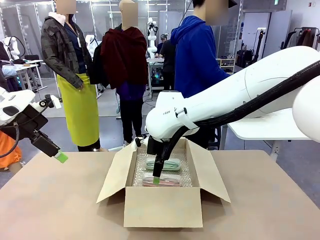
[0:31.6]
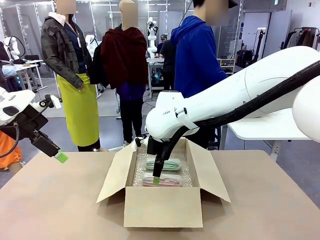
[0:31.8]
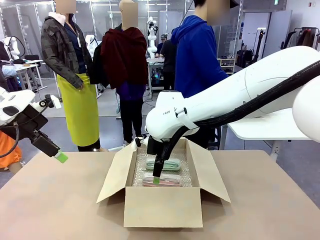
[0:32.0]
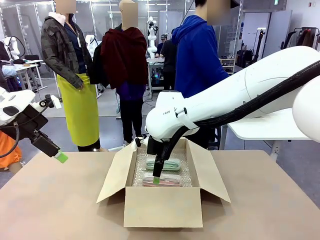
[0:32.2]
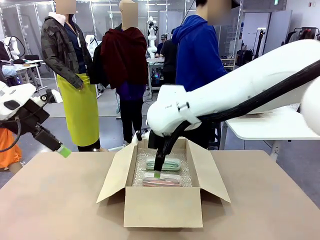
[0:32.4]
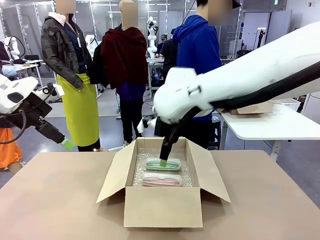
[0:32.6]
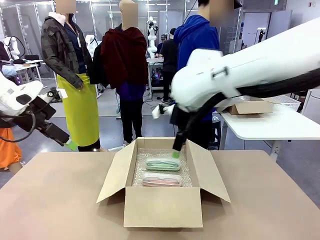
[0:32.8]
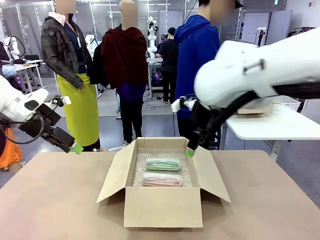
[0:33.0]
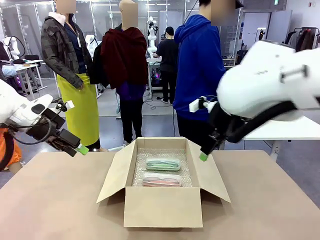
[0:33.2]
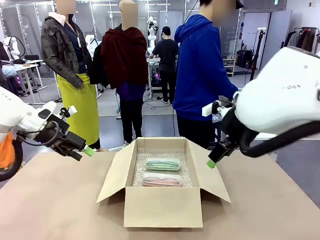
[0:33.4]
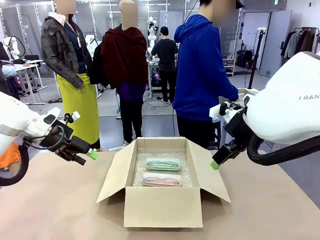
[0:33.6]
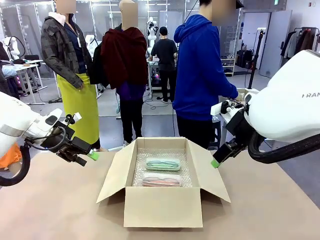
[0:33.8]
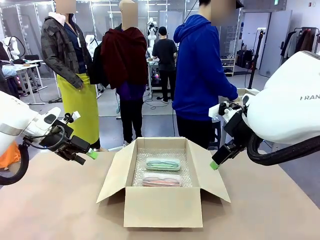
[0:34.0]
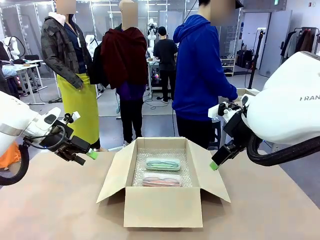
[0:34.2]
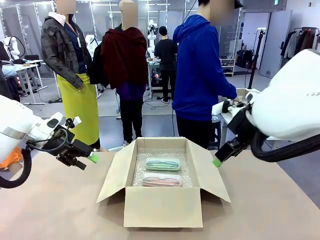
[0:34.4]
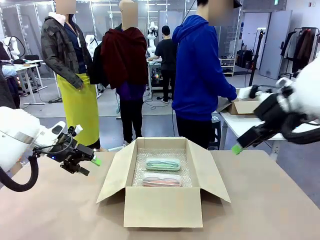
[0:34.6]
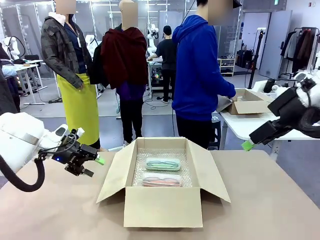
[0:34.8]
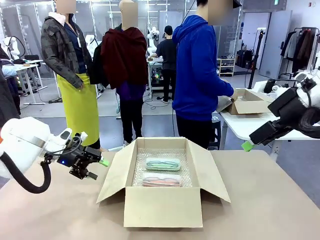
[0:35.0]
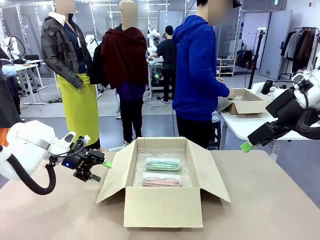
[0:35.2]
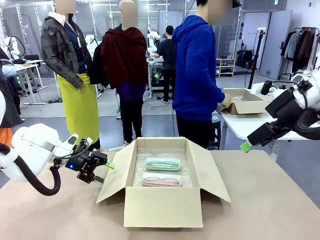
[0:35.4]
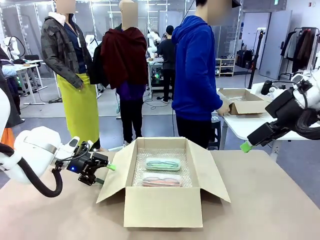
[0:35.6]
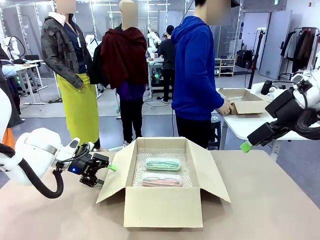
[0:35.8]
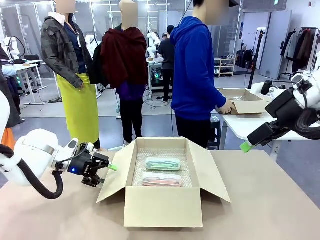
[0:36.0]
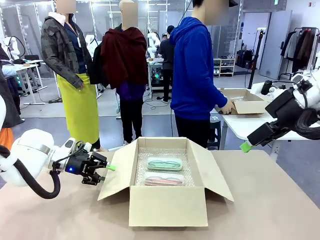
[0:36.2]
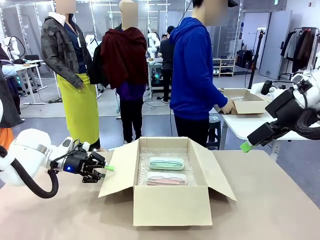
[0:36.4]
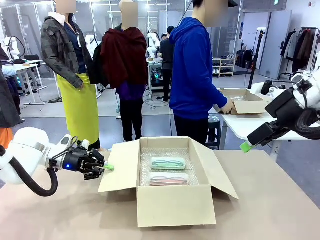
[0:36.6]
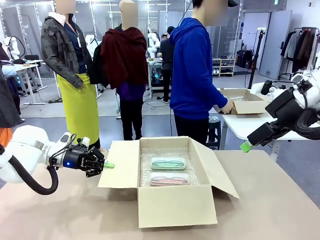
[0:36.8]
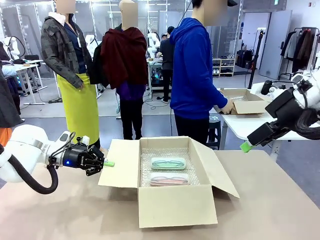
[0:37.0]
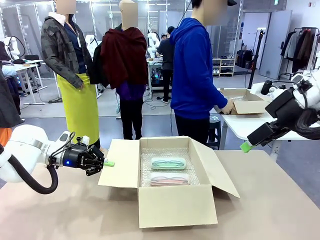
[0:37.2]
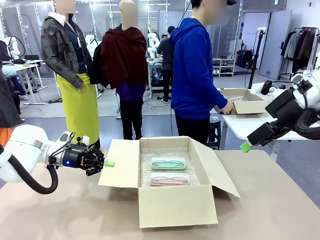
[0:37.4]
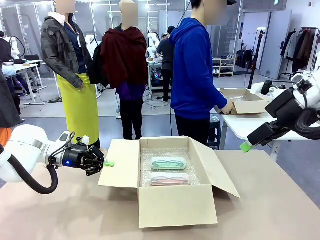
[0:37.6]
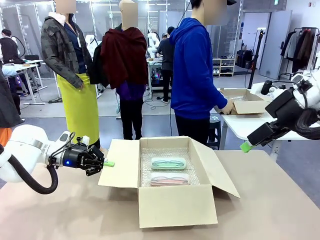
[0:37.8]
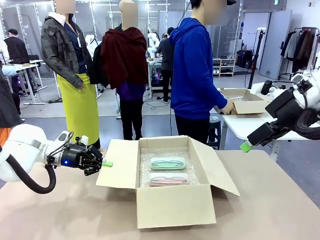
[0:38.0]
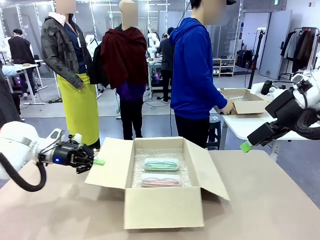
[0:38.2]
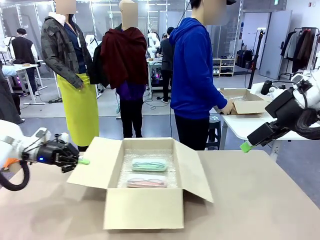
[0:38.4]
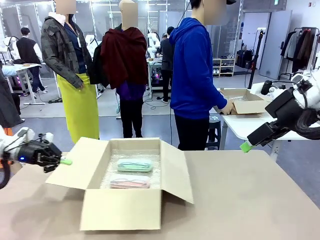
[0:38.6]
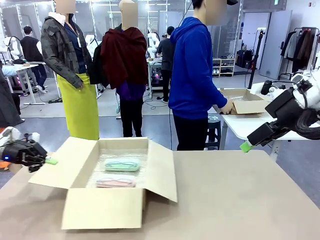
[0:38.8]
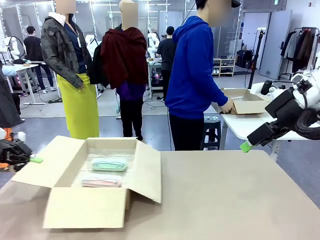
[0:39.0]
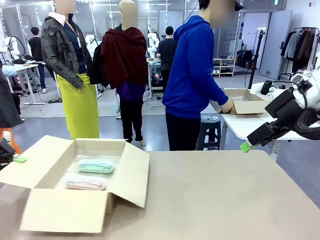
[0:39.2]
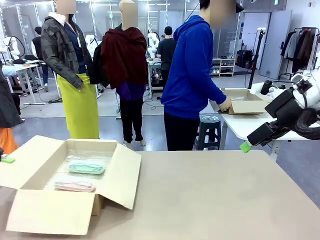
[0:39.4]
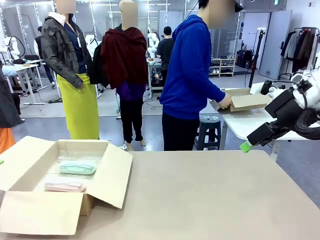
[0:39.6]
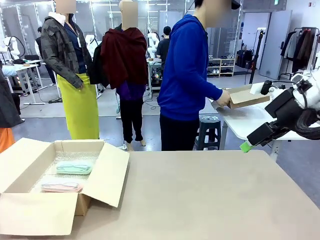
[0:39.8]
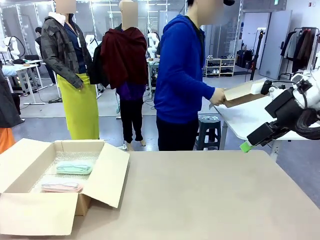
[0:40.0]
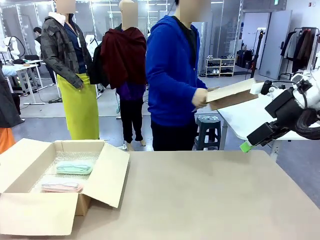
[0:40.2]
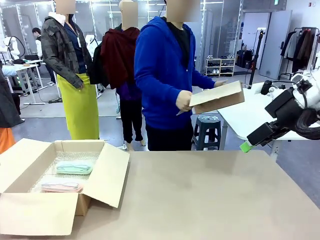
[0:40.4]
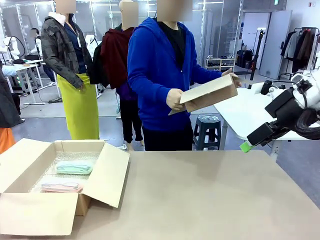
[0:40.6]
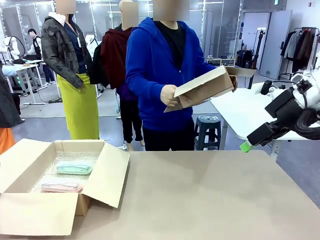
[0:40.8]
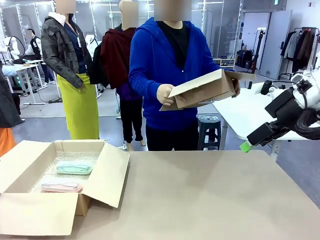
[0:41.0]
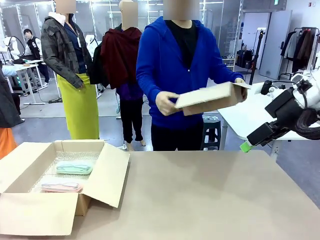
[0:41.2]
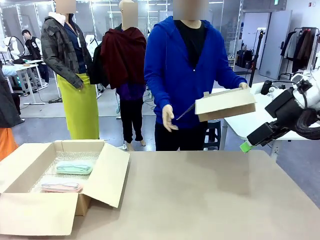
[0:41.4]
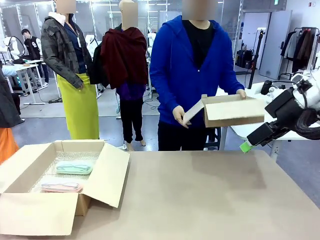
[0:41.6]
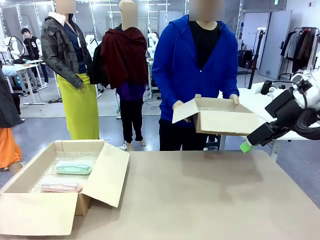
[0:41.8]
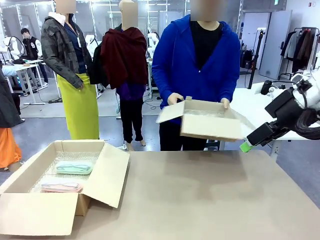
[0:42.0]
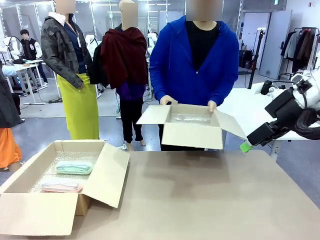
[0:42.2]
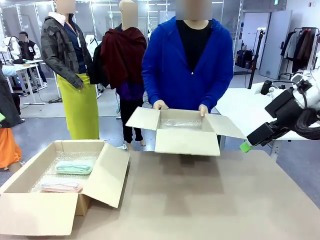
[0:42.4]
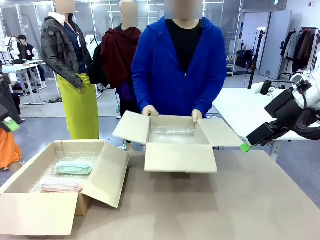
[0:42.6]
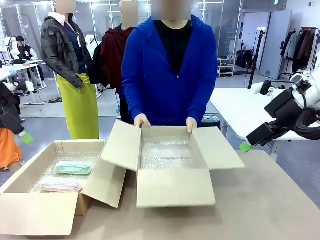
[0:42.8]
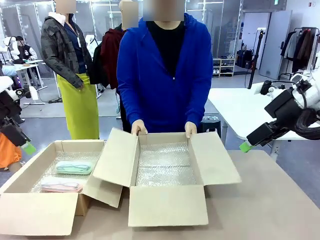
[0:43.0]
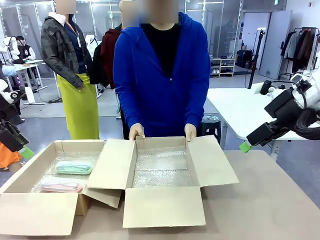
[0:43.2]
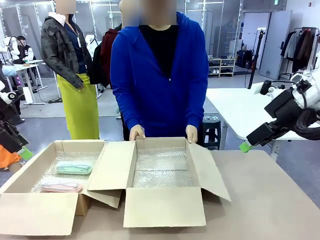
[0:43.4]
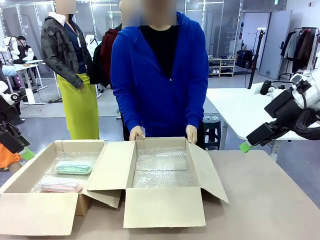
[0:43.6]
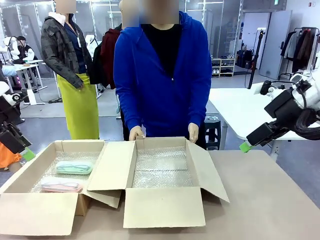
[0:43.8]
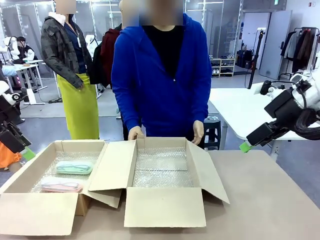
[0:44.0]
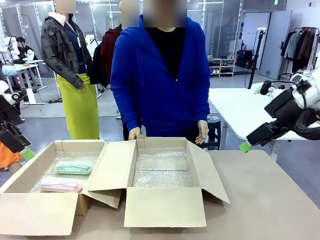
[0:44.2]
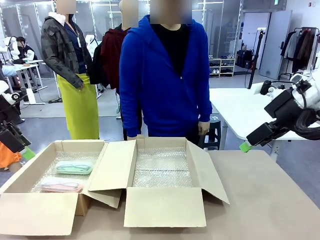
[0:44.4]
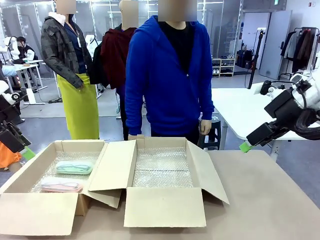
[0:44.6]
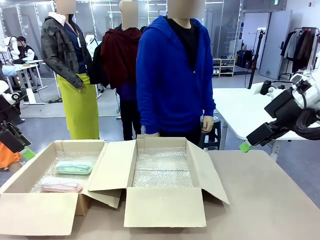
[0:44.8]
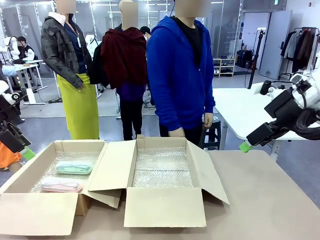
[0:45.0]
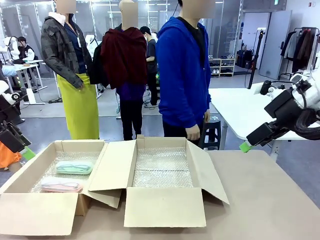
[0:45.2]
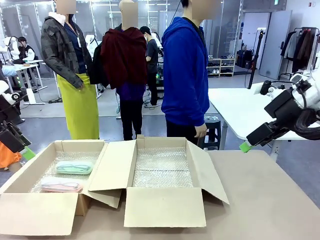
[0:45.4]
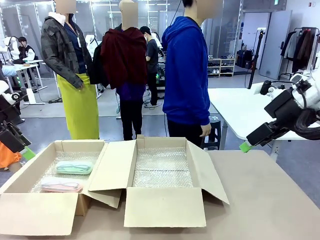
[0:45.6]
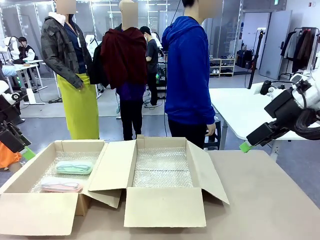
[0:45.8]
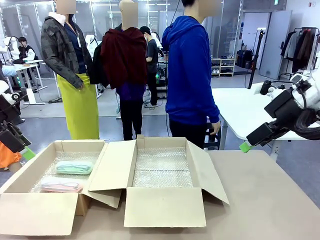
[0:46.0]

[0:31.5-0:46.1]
Task: Pack the glasses set securely to prepare it for shipping.
Robot: Position the Package Box on the left side of the table.
Person: Position the empty Package Box in the middle of the robot's table.
